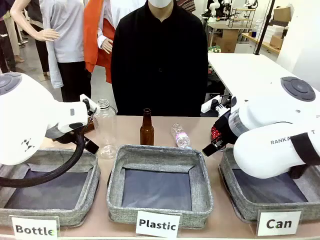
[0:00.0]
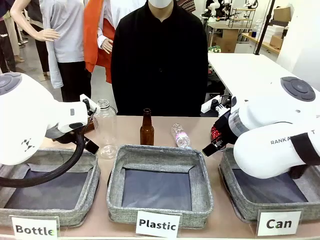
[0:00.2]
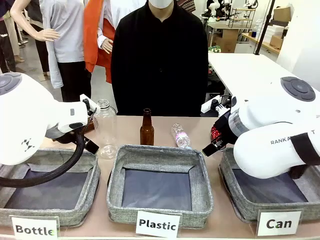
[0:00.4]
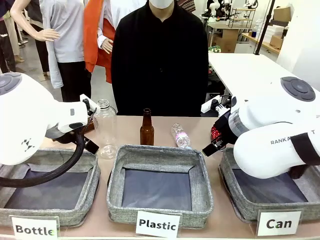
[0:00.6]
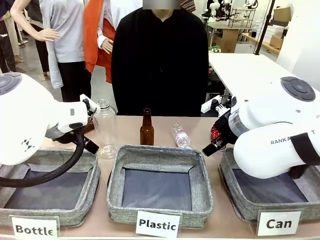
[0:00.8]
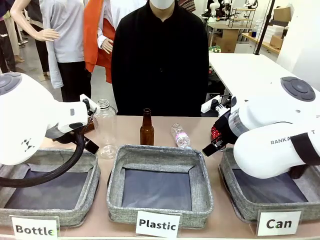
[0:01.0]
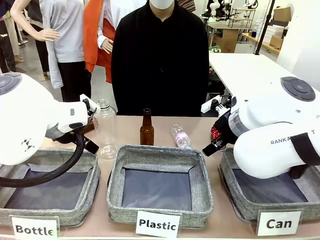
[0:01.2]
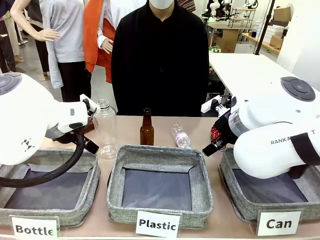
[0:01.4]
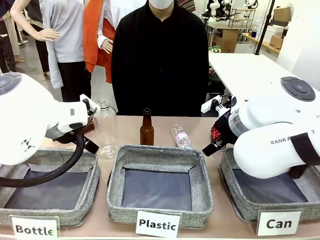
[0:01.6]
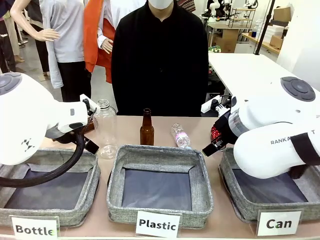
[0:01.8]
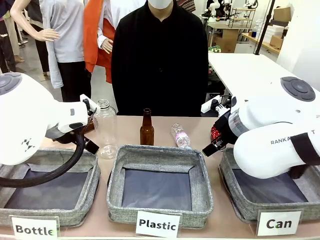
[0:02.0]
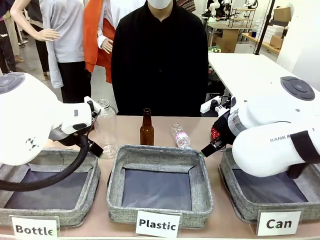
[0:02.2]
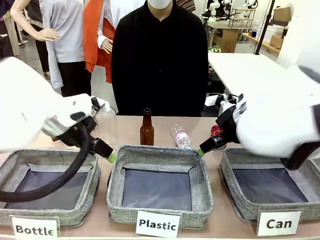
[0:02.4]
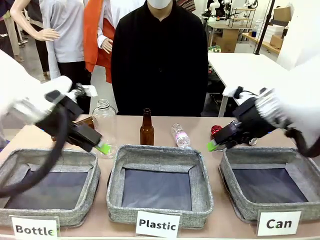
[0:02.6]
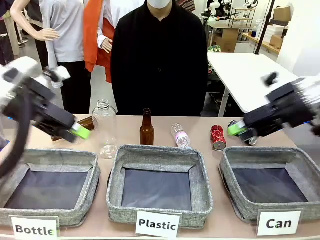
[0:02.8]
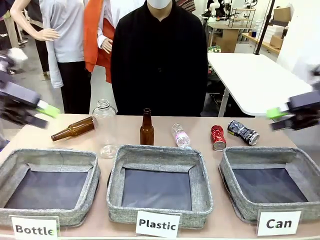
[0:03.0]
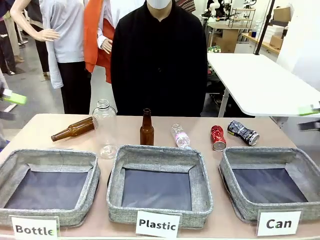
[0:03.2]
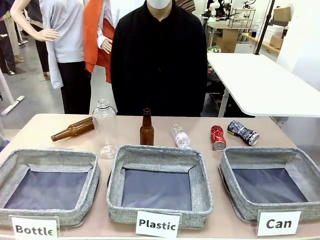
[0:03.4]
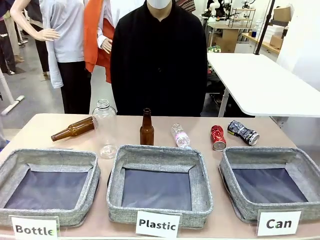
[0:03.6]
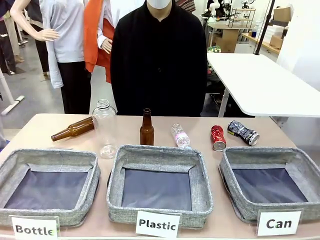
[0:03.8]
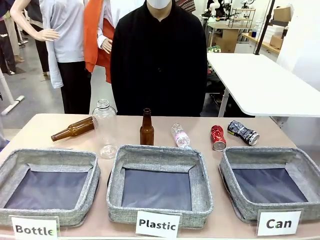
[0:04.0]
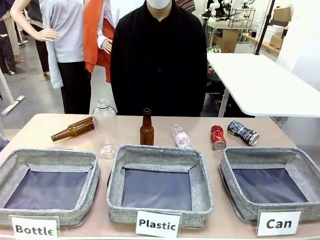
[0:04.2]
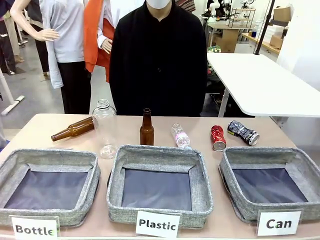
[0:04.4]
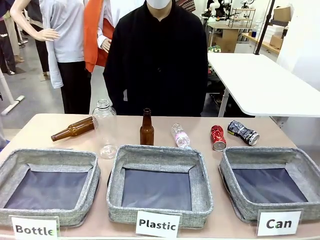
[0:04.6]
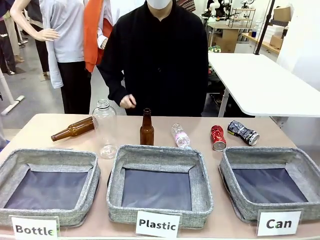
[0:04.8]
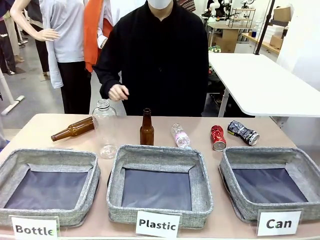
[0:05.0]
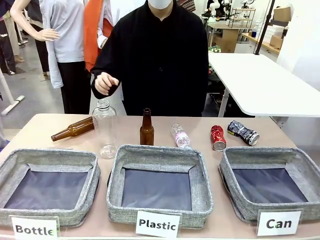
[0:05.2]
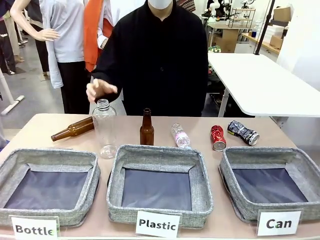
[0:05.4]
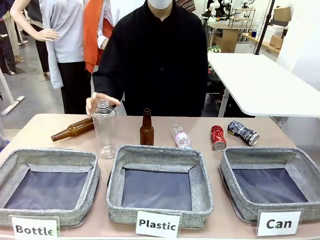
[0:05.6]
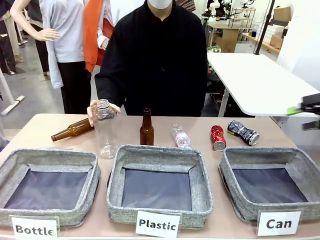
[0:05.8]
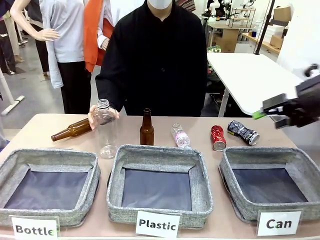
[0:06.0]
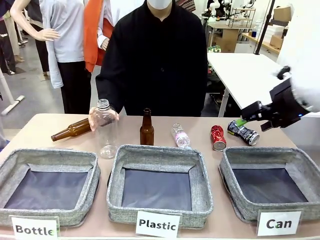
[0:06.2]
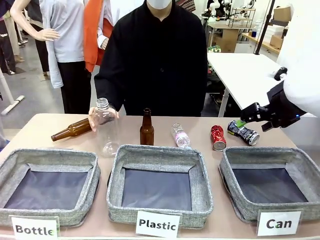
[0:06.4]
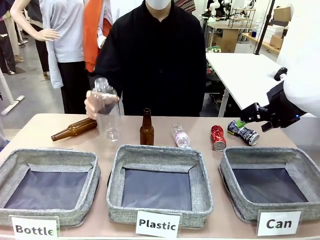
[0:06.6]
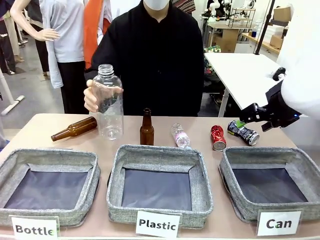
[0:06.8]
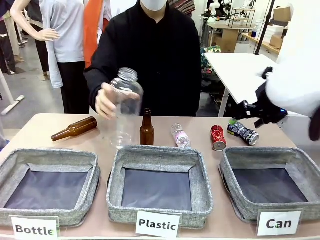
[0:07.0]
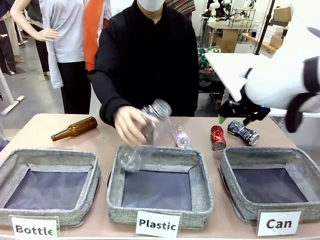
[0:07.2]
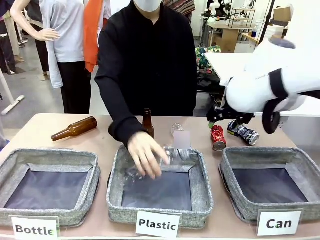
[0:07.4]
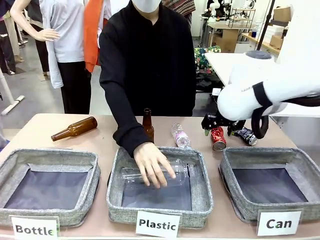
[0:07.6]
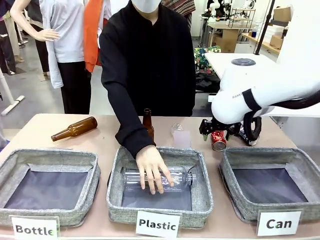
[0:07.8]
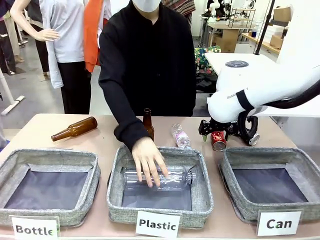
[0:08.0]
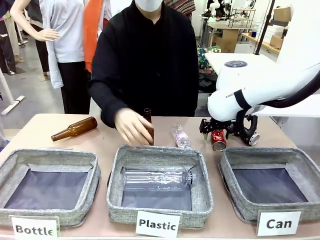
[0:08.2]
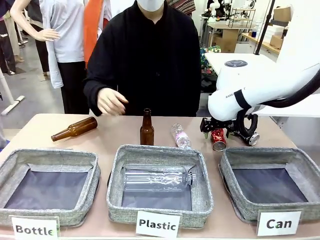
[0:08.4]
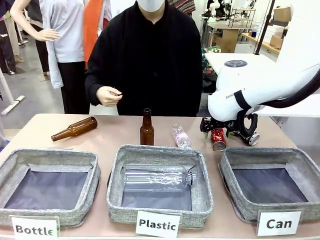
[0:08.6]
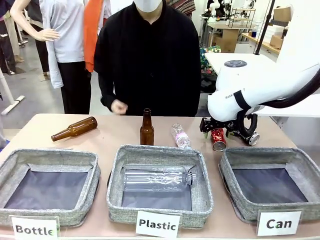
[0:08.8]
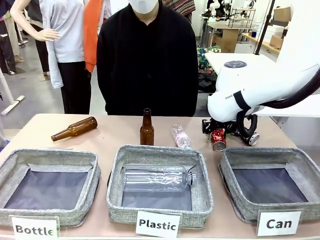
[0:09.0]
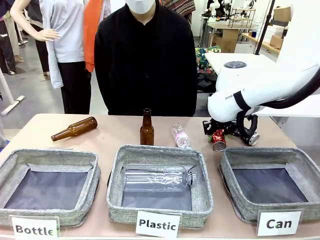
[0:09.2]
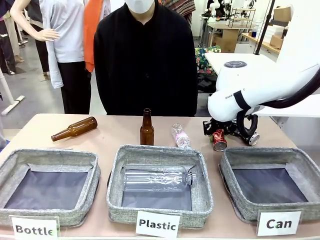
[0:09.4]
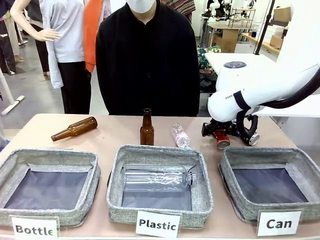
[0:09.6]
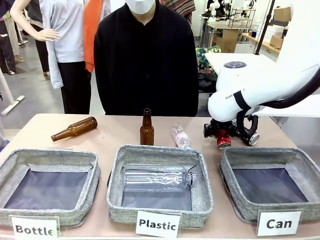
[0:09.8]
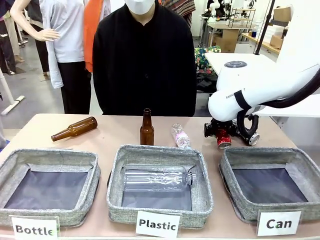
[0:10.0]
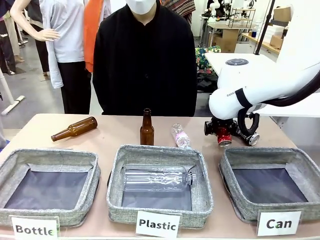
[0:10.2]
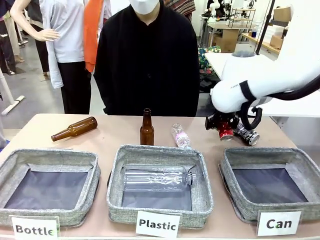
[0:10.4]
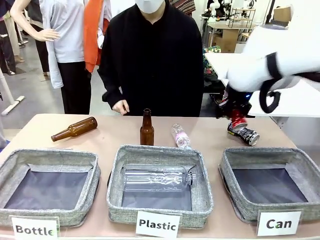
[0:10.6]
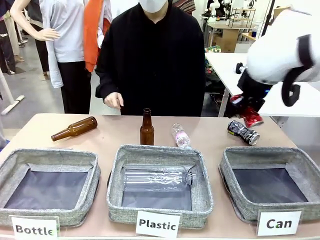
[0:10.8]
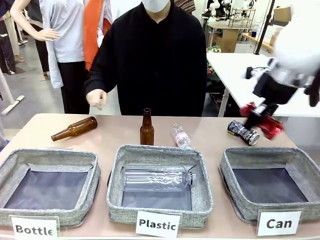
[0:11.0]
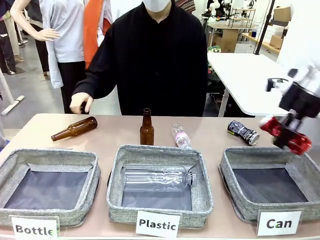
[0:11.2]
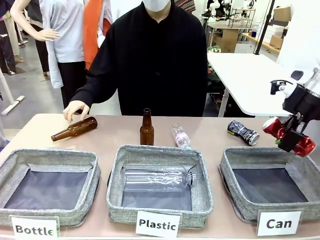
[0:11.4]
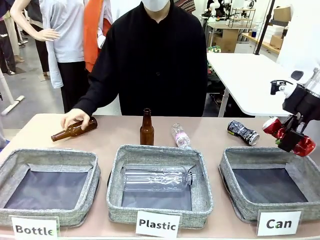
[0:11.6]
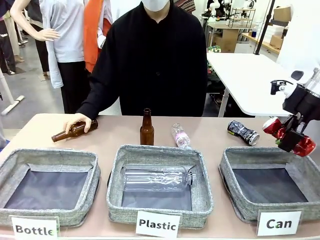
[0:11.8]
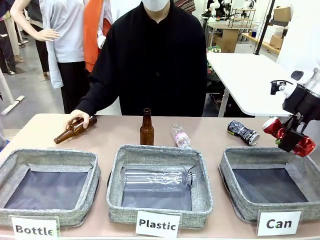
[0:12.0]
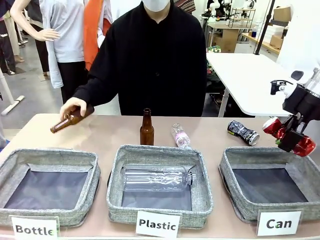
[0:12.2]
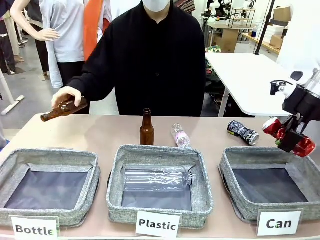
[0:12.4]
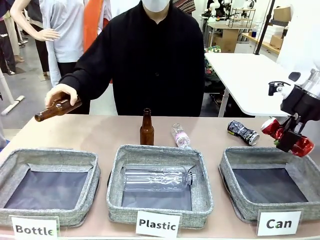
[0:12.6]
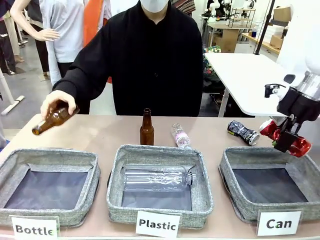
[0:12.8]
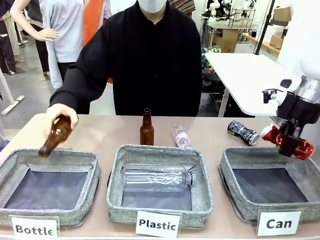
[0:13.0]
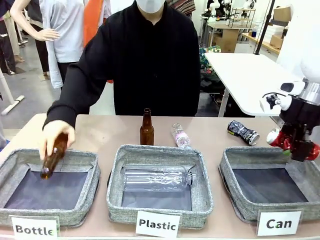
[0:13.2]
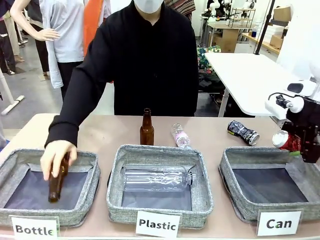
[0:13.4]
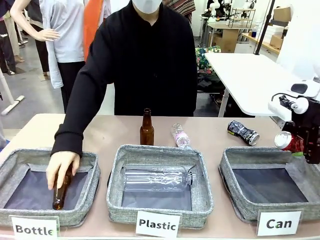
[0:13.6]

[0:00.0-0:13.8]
Task: Sort the can waste into the basket.
Robot: Pick up the can waste from the table and place it in the right Fabric basket.

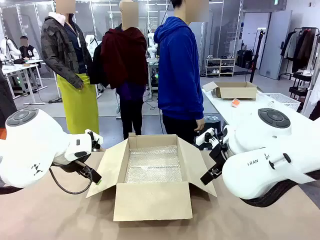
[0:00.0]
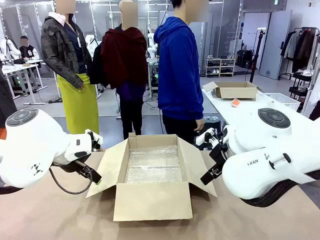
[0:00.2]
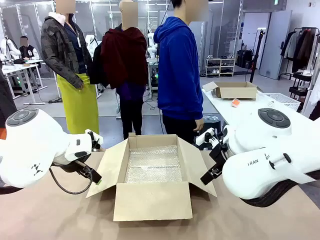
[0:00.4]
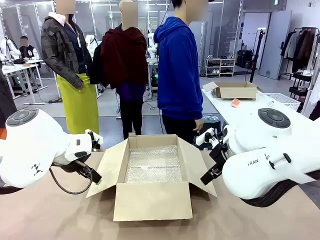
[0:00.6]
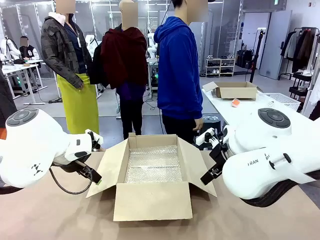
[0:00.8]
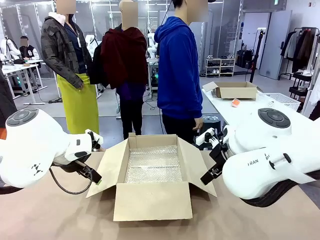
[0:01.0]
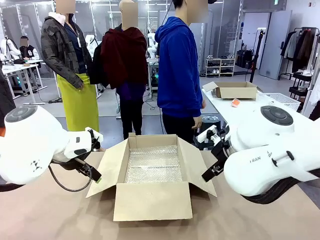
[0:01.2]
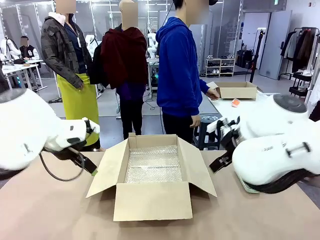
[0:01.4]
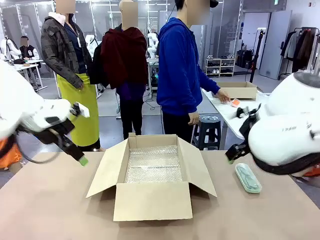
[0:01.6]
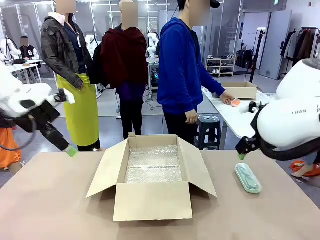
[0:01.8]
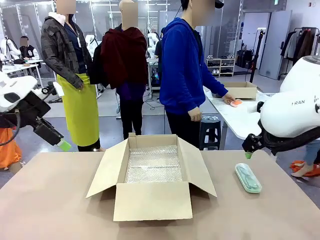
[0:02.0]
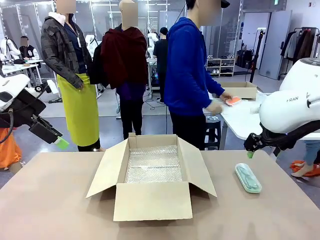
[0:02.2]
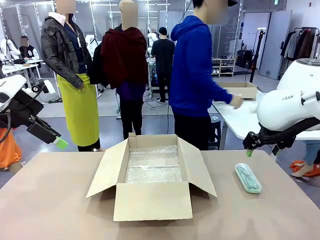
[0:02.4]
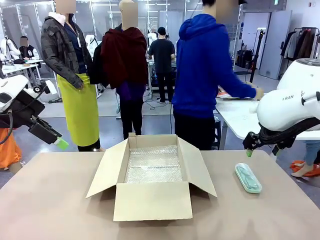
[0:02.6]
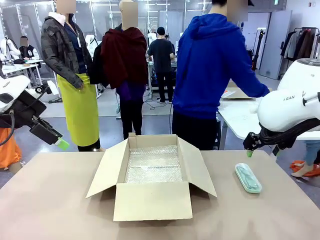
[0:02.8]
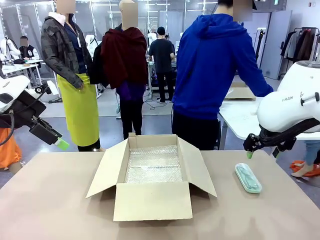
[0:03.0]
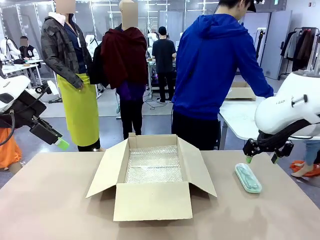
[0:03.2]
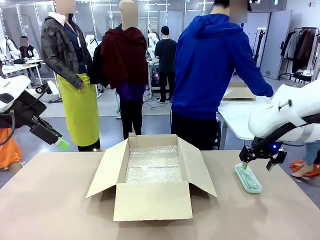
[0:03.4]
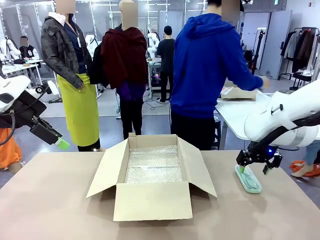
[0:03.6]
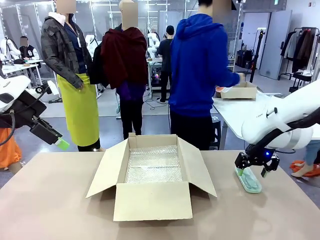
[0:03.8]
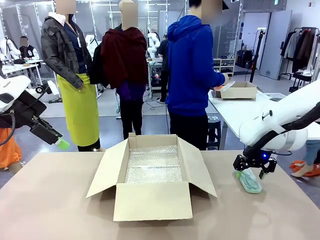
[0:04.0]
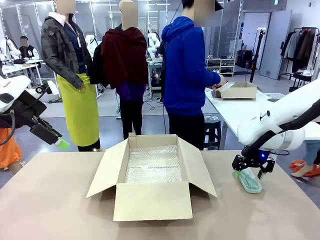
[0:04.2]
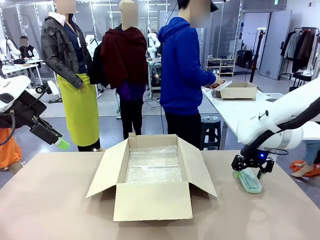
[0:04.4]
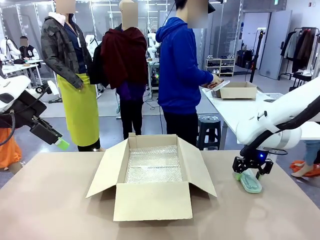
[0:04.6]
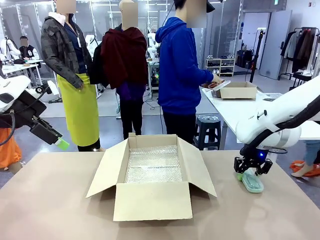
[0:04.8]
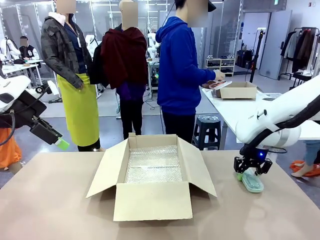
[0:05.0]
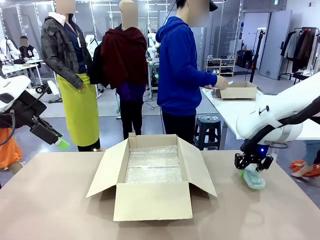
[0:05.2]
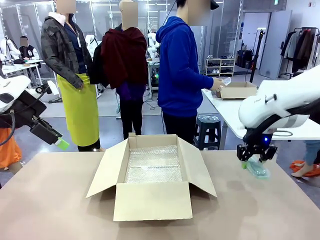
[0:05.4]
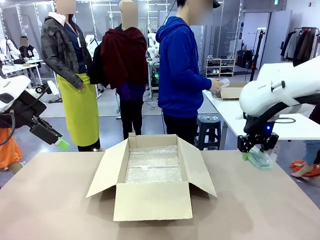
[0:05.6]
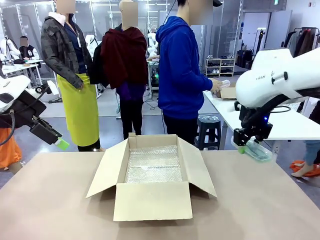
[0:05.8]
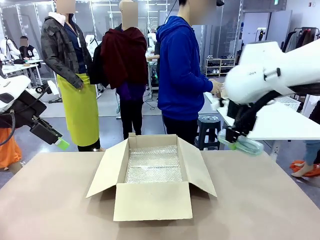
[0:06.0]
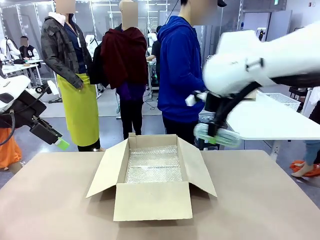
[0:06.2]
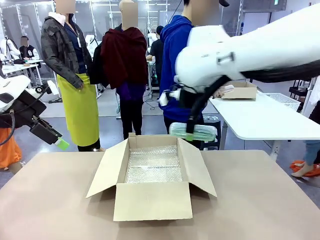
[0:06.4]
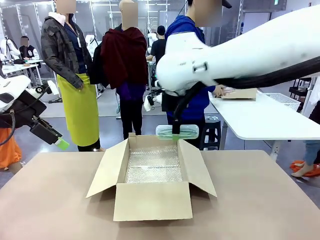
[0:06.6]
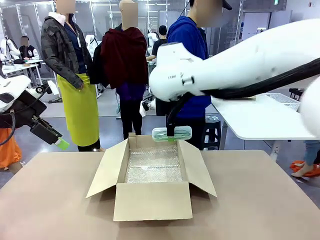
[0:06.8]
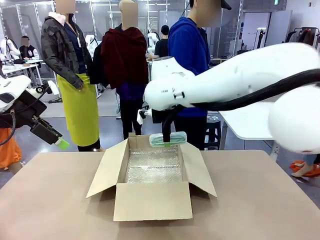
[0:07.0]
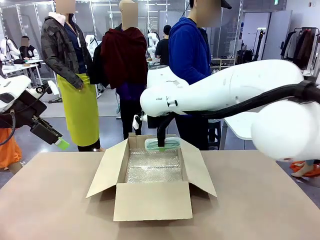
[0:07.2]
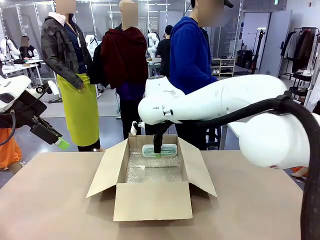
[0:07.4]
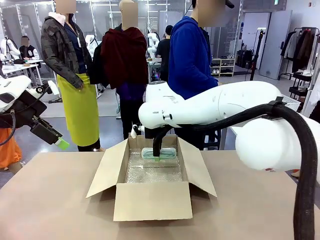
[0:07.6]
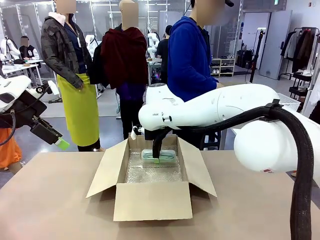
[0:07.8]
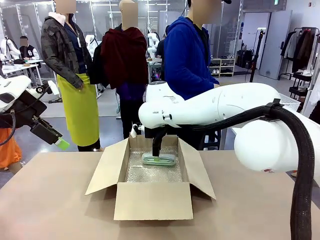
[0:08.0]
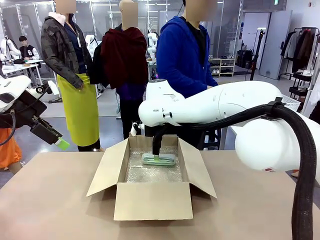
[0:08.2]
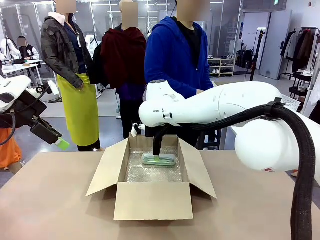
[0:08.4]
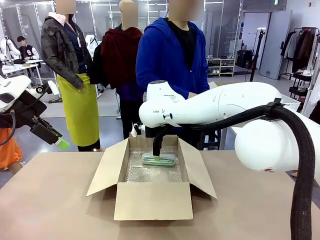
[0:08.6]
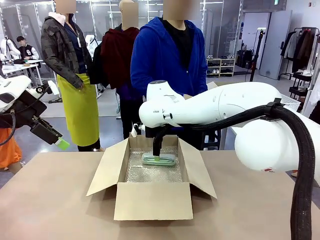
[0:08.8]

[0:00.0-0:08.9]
Task: Pack the glasses set securely to prepare it for shipping.
Robot: Place the Glasses case inside the Package Box.
Person: Place the Glasses inside the Glasses case.
